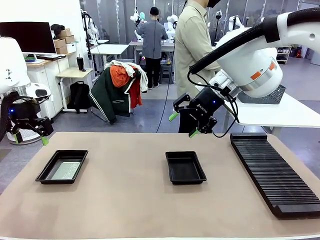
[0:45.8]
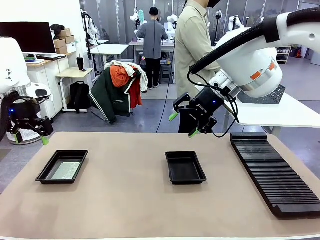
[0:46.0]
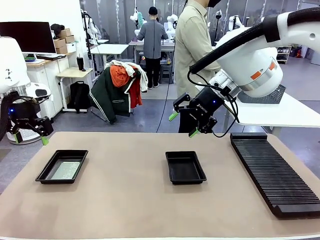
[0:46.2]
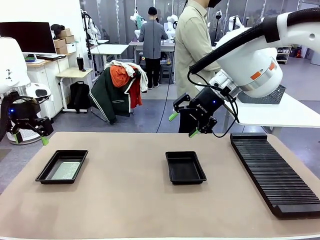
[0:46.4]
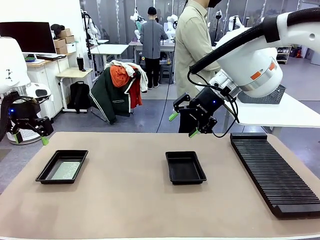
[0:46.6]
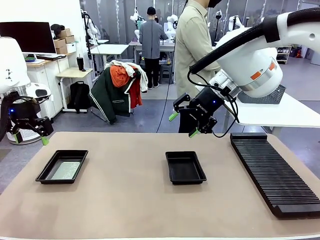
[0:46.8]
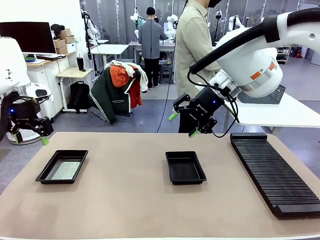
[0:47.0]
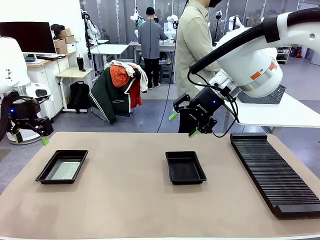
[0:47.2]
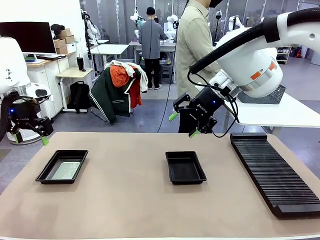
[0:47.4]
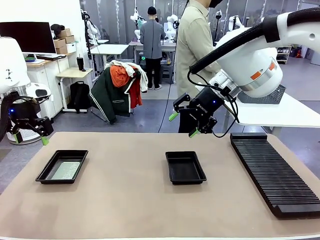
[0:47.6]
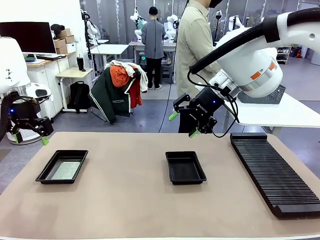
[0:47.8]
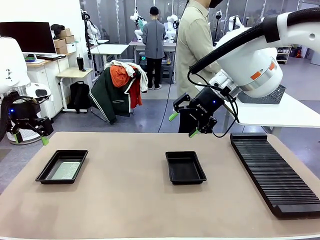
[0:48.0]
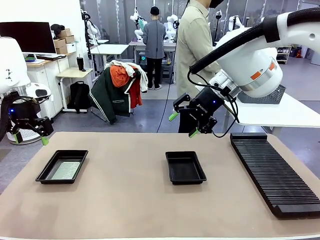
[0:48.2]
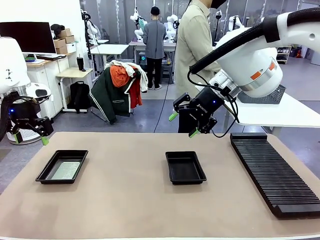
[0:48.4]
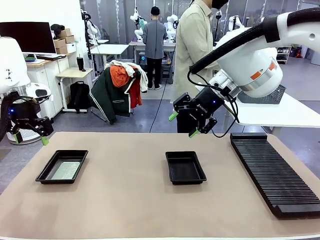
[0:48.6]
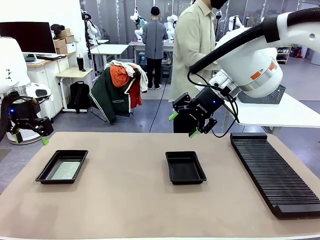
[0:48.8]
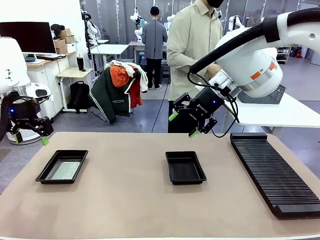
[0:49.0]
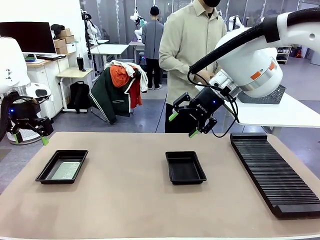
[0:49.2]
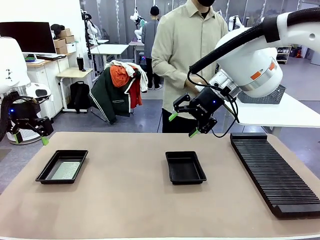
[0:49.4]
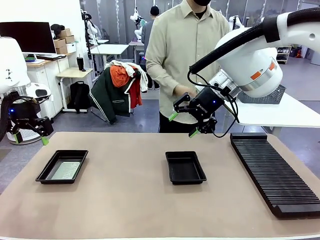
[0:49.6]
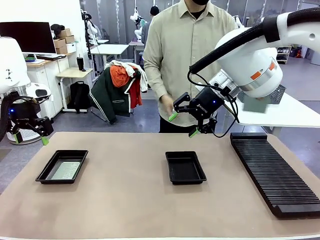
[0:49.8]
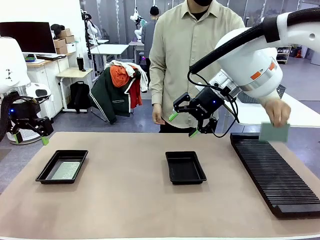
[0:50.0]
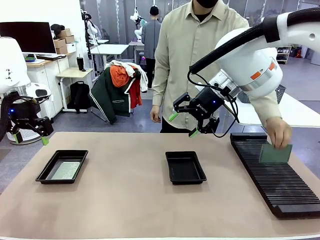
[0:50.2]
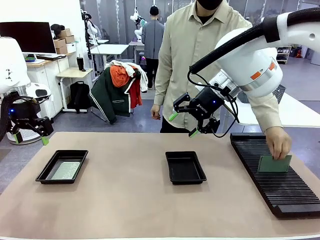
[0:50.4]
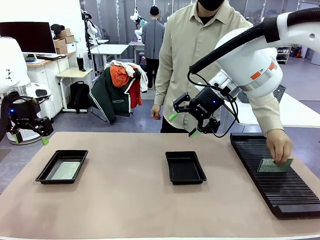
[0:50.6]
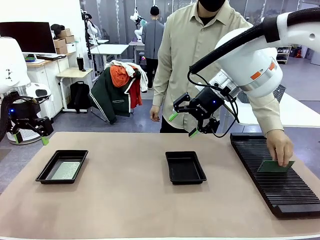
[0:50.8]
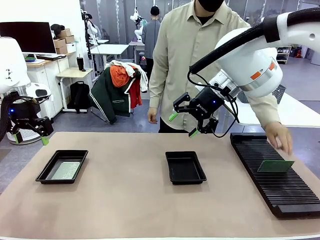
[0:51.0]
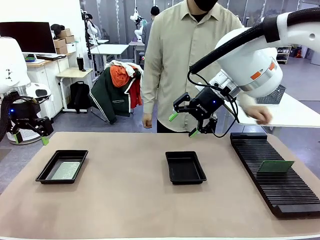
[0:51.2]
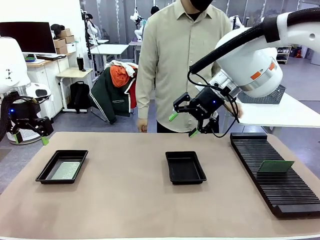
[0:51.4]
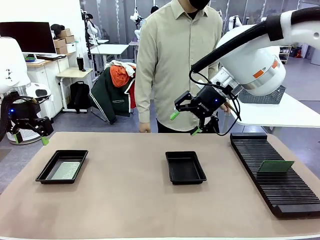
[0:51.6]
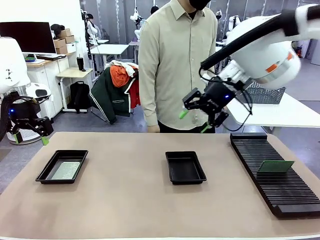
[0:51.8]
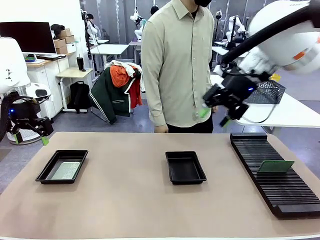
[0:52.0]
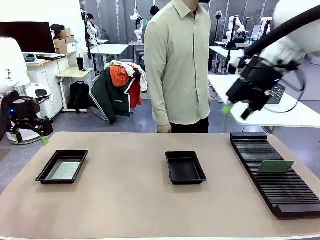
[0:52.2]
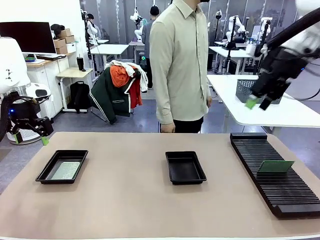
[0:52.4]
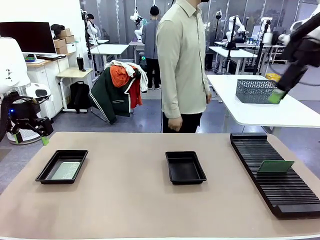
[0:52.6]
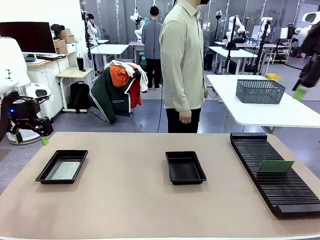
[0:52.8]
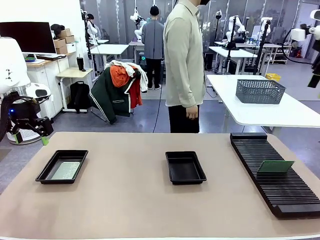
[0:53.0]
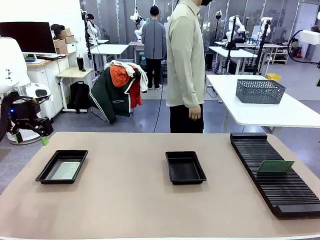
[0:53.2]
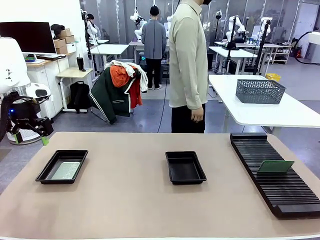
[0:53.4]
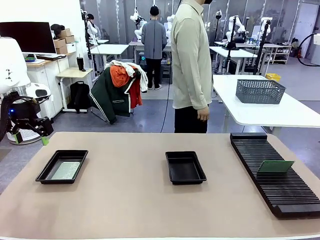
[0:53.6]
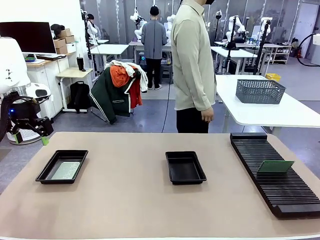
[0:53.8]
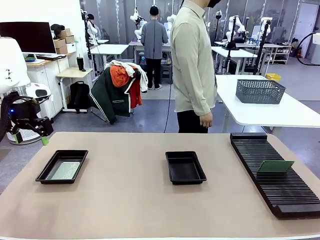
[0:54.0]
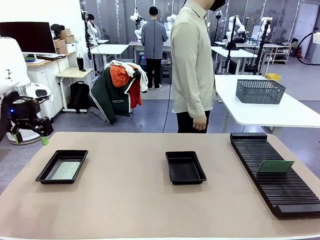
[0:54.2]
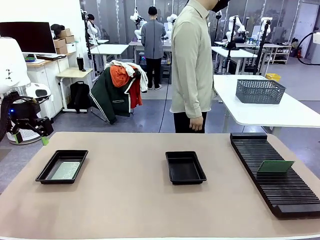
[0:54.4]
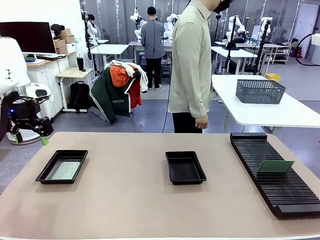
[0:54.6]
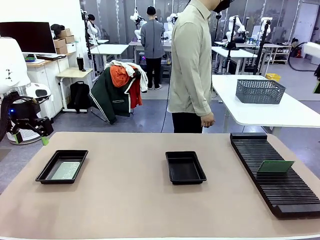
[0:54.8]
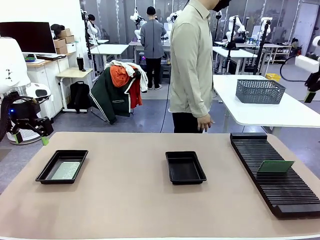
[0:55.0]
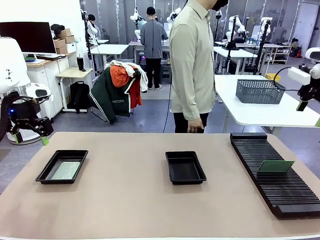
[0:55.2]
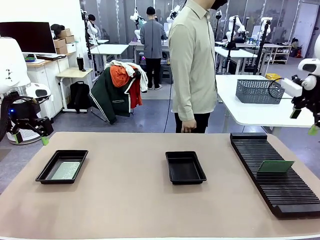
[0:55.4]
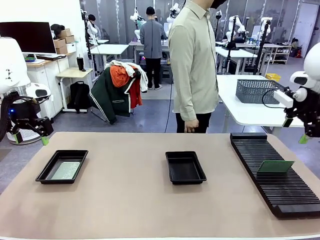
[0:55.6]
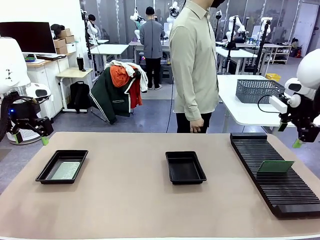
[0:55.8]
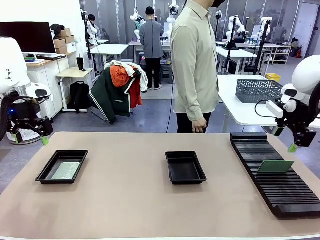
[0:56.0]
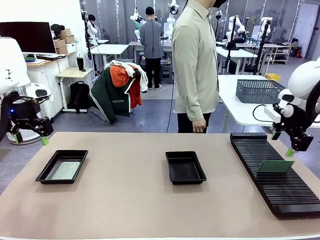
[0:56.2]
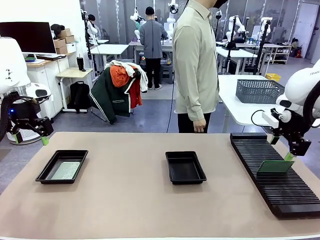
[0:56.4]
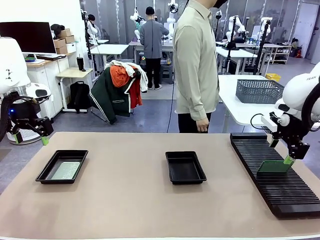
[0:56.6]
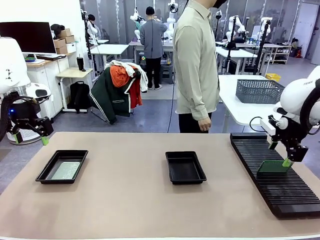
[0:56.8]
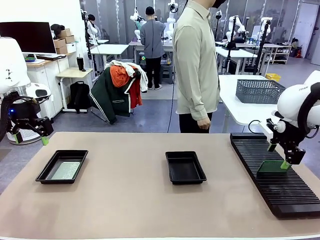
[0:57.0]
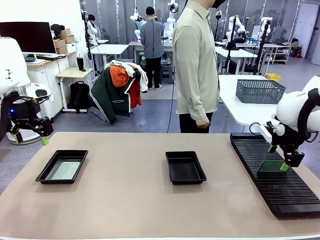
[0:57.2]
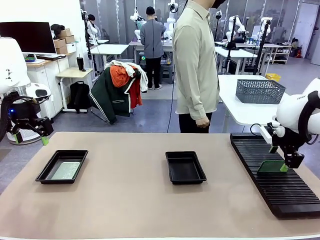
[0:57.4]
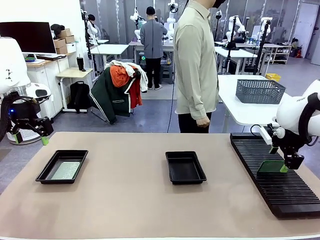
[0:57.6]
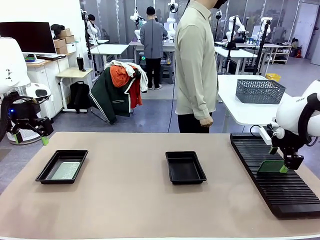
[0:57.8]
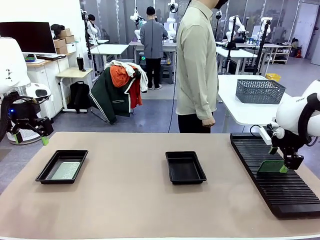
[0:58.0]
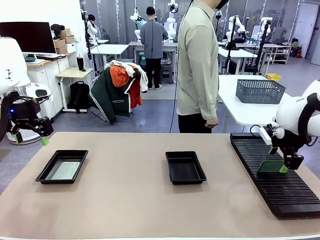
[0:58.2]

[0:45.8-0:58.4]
Task: Inspect and transfer BCBs to ESD trays.
Robot: Pick up the Blank PCB from the PCB Rack and place it in the right ESD tray.

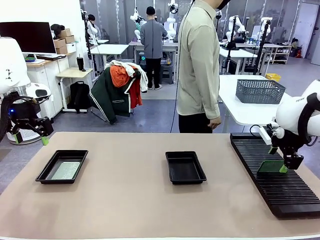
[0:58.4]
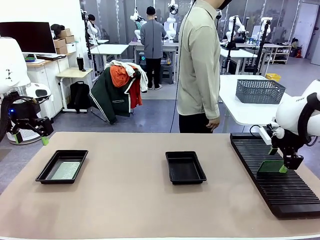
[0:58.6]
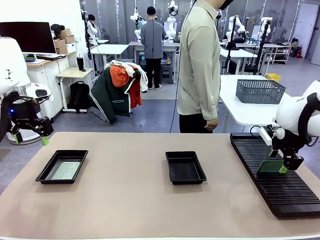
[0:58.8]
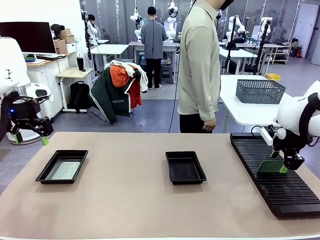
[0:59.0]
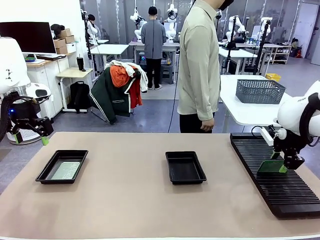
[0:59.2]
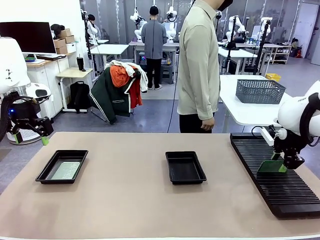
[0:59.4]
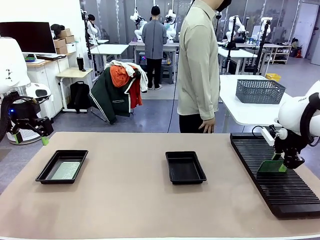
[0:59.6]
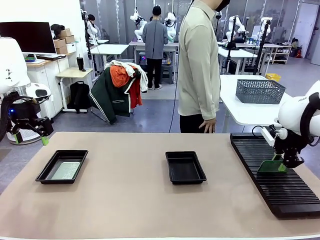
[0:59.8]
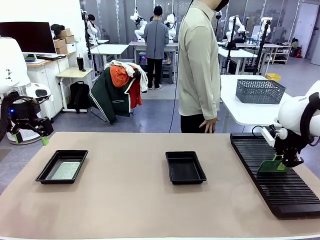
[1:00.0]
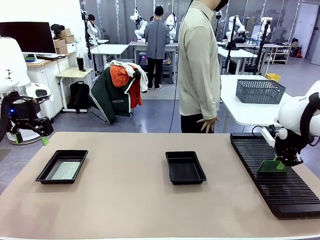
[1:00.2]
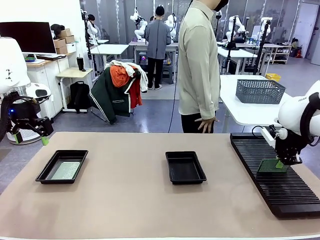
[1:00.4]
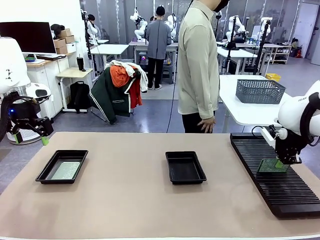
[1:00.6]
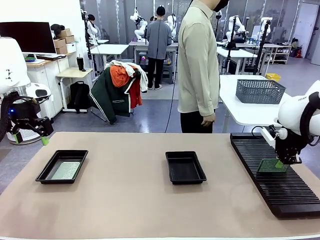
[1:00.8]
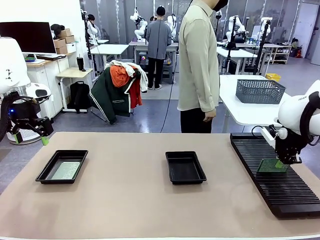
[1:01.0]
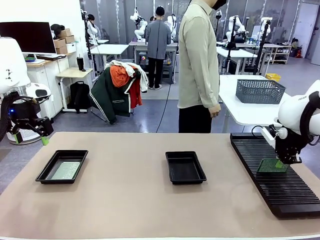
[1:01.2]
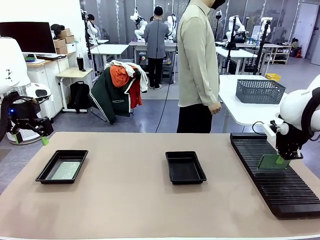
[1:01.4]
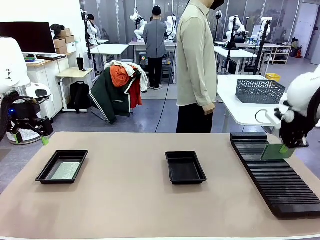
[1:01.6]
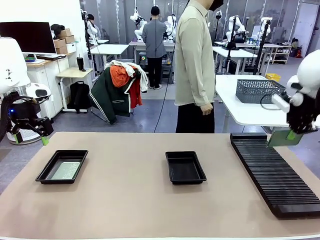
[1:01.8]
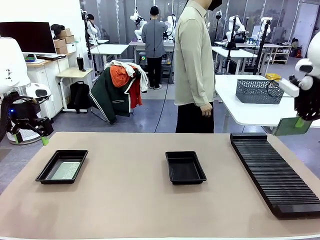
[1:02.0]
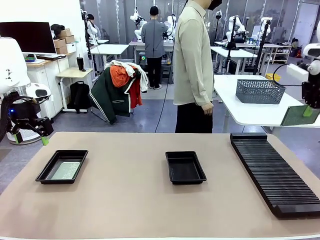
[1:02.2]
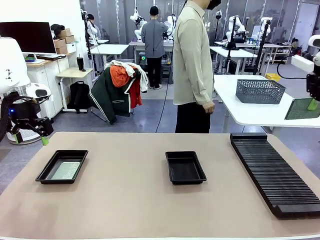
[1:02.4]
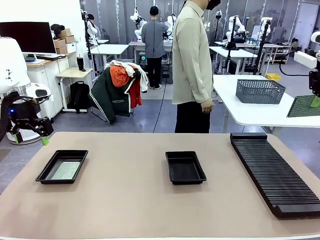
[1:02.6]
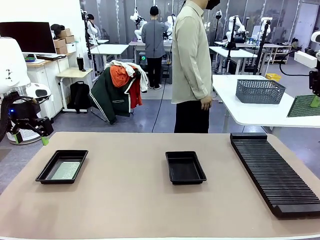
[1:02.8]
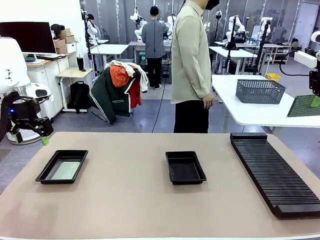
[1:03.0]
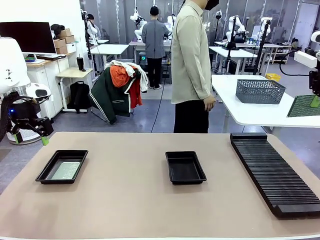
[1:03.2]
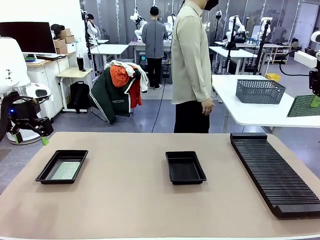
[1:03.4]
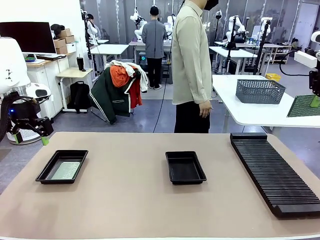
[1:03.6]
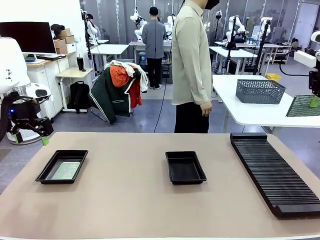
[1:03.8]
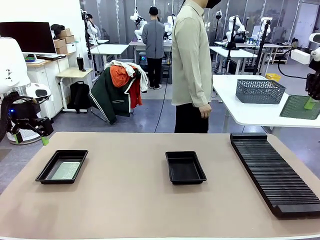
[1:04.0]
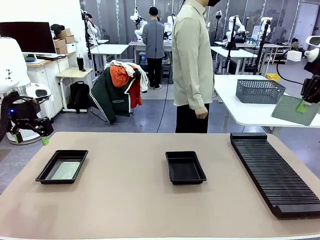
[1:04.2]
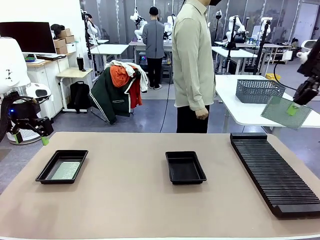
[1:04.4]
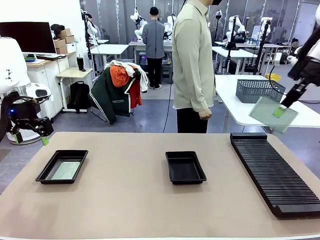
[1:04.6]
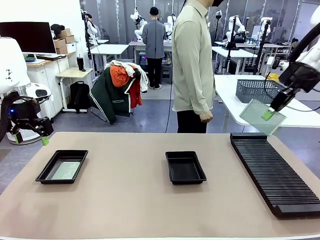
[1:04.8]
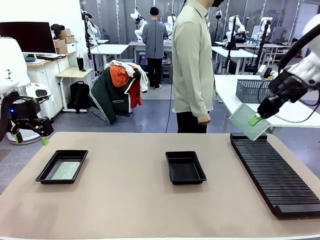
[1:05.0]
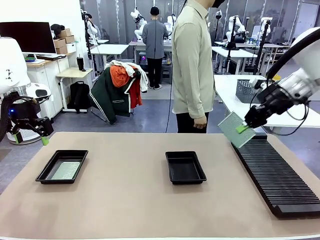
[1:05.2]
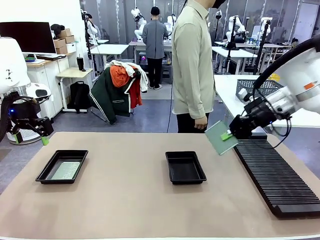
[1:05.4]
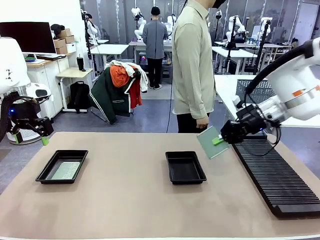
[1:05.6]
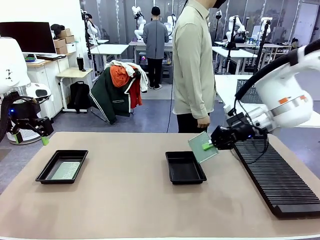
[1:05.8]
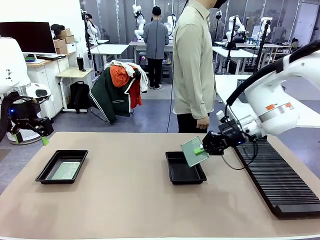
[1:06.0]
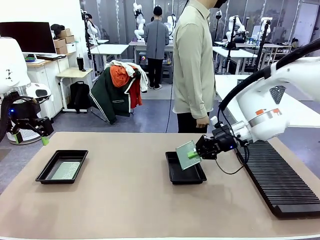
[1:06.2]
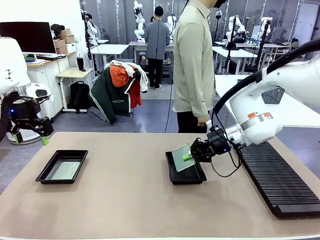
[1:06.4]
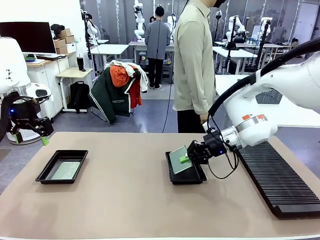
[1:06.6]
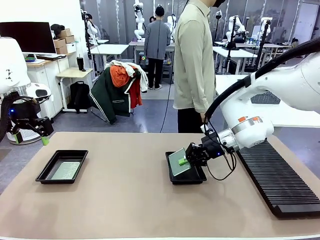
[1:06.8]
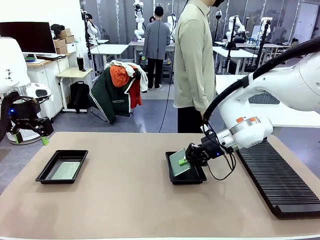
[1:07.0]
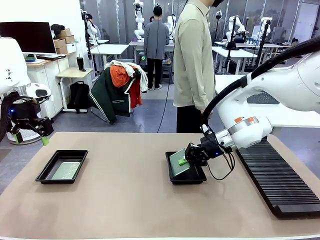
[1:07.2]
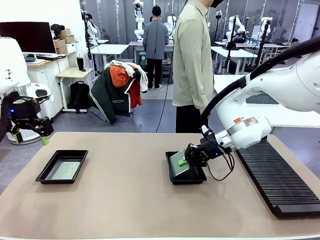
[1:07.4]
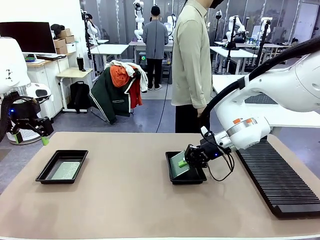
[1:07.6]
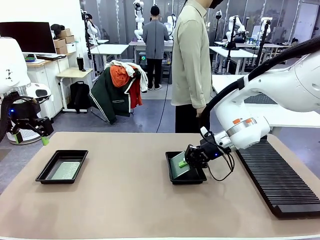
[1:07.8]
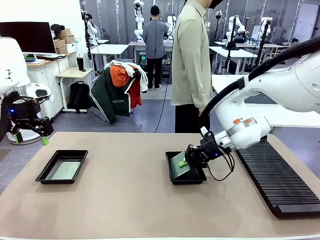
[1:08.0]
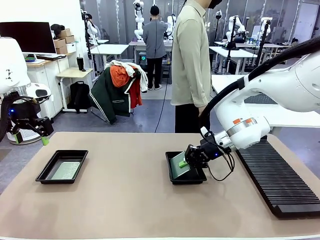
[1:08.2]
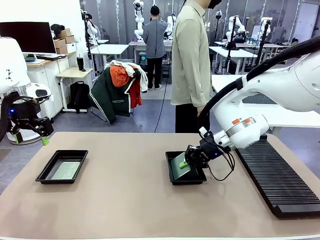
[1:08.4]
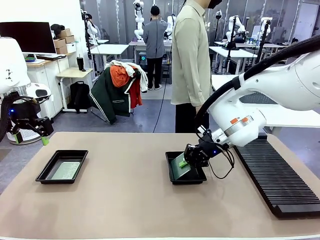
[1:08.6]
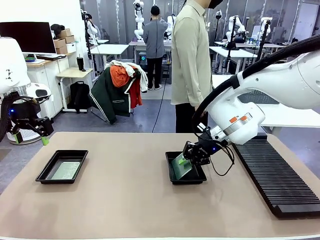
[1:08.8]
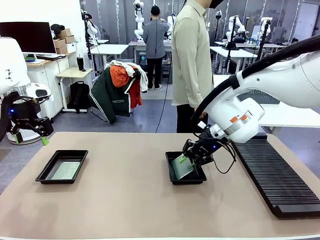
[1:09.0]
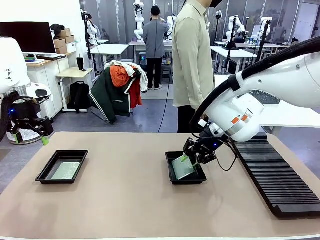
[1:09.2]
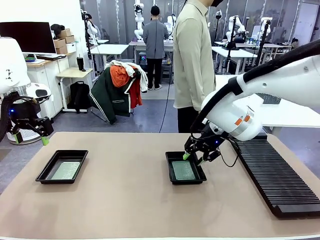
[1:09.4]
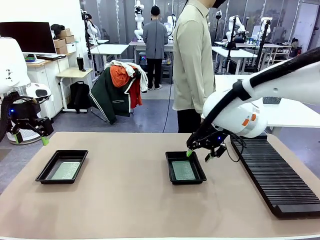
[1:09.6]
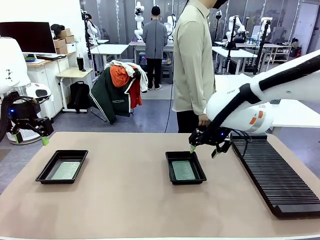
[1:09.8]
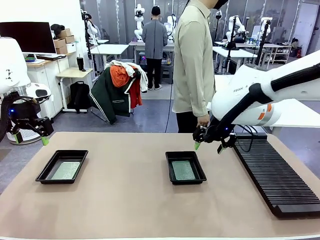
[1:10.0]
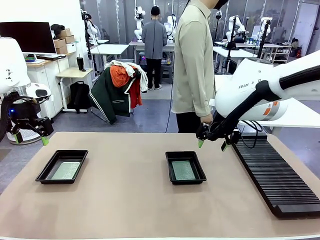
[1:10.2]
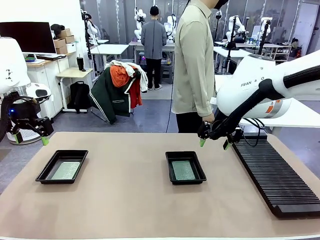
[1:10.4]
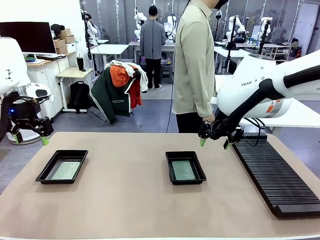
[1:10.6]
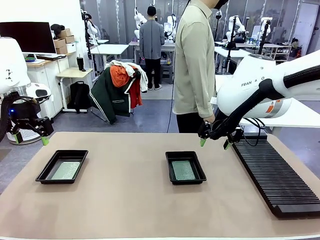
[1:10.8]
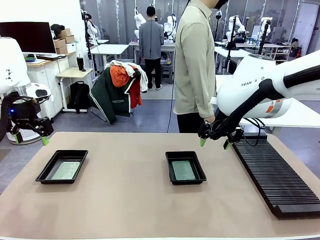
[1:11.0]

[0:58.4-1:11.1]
Robot: Pick up the Blank PCB from the PCB Rack and place it in the right ESD tray.
